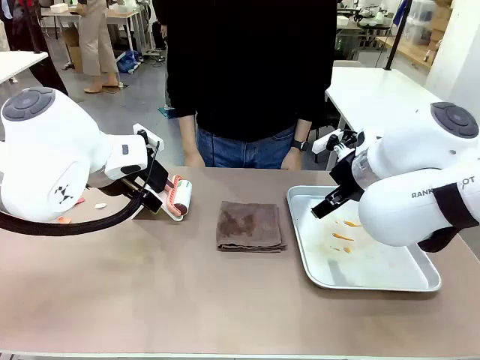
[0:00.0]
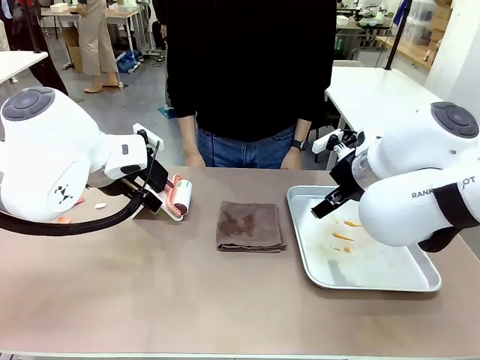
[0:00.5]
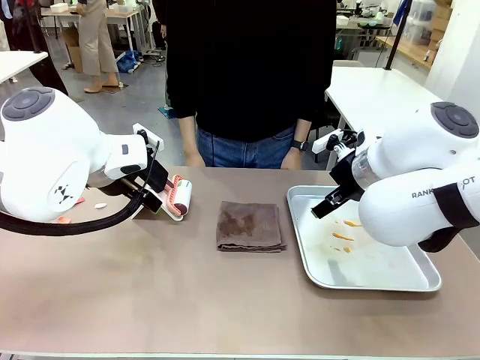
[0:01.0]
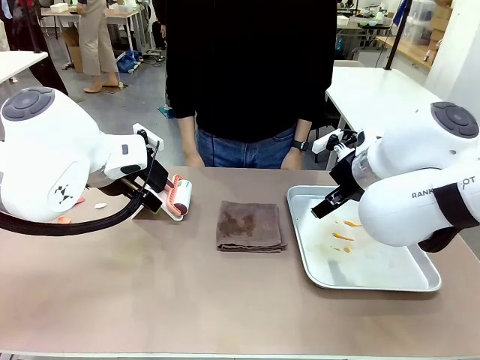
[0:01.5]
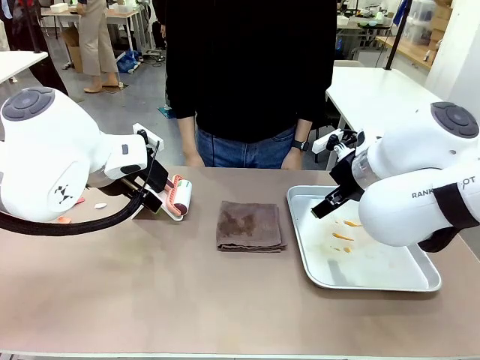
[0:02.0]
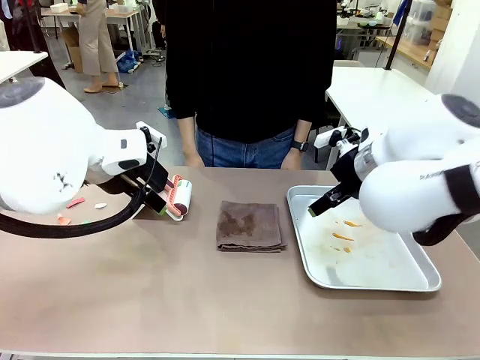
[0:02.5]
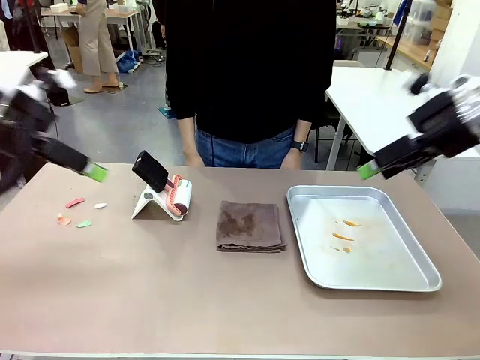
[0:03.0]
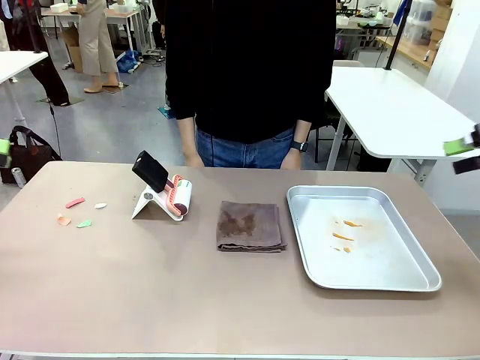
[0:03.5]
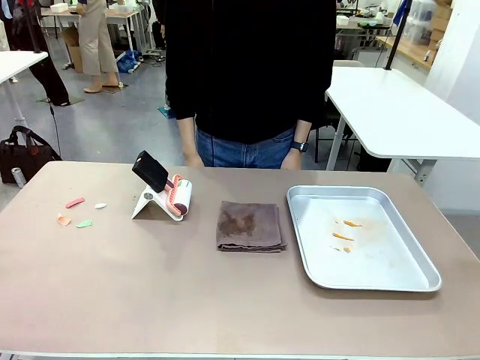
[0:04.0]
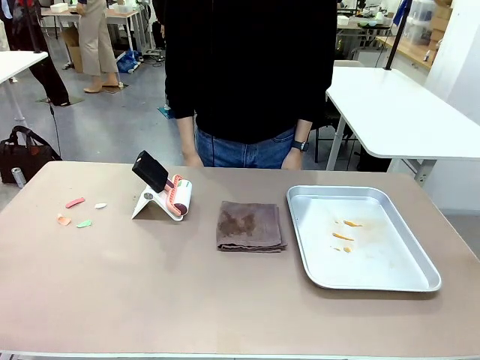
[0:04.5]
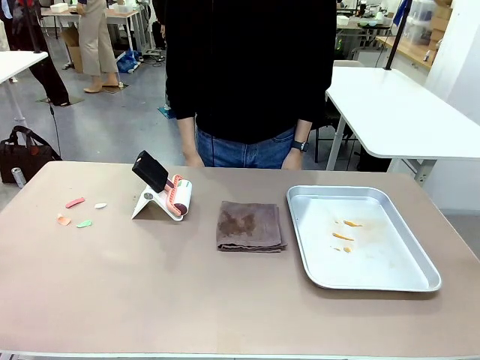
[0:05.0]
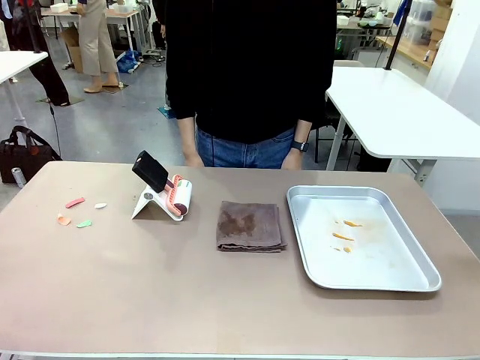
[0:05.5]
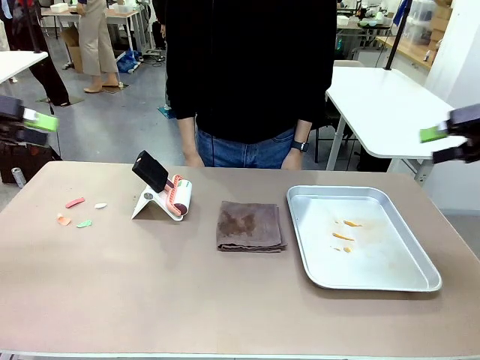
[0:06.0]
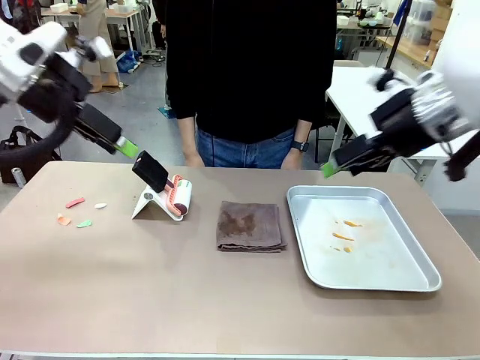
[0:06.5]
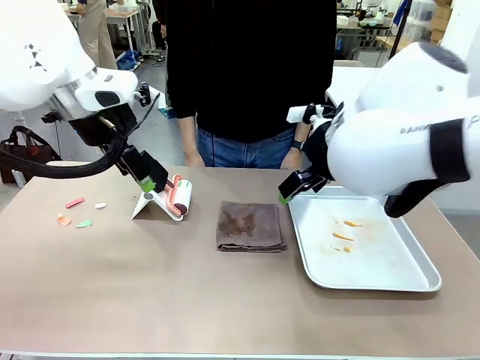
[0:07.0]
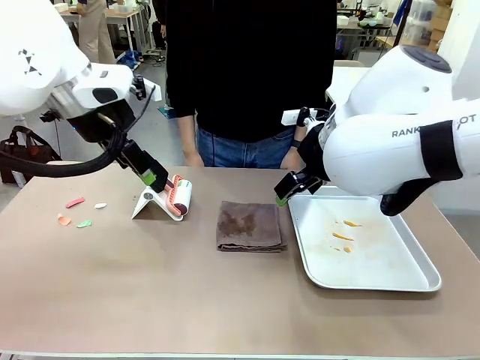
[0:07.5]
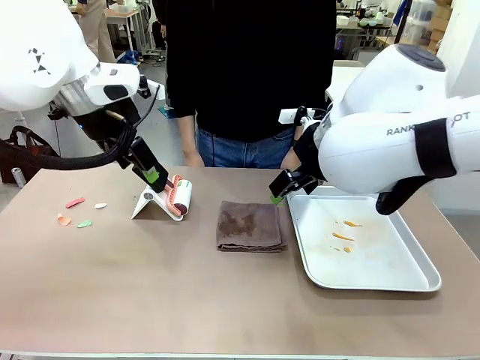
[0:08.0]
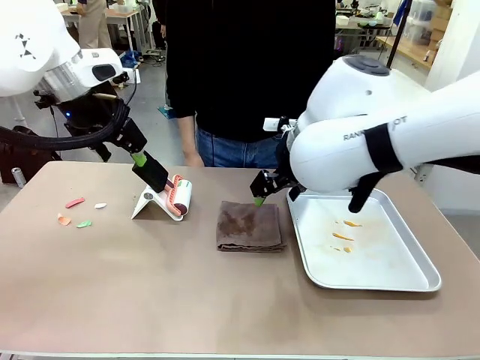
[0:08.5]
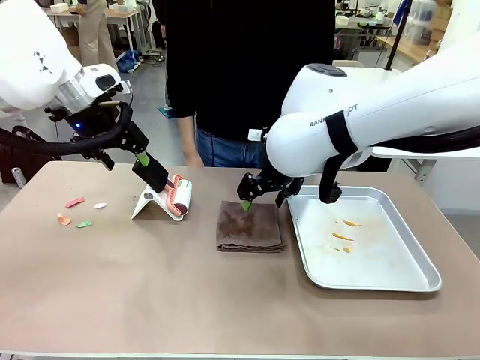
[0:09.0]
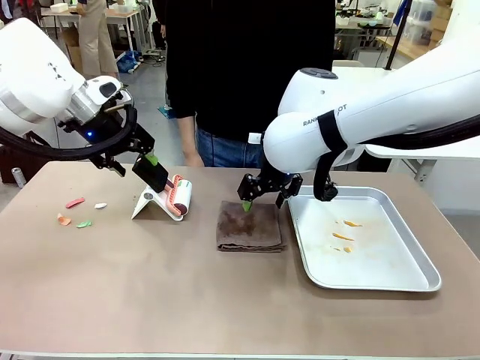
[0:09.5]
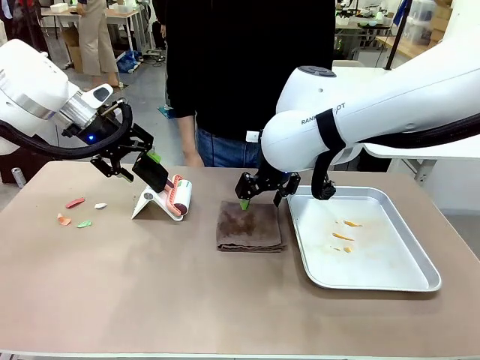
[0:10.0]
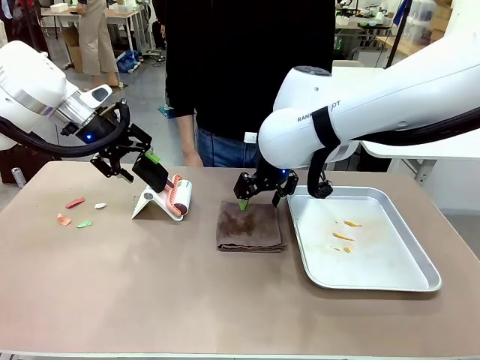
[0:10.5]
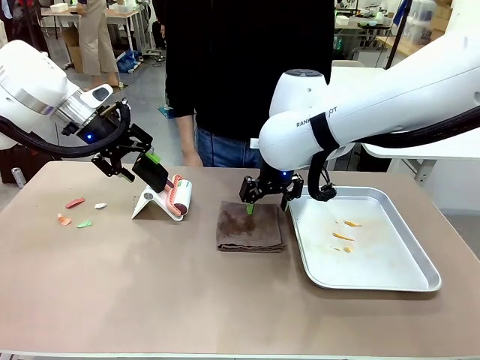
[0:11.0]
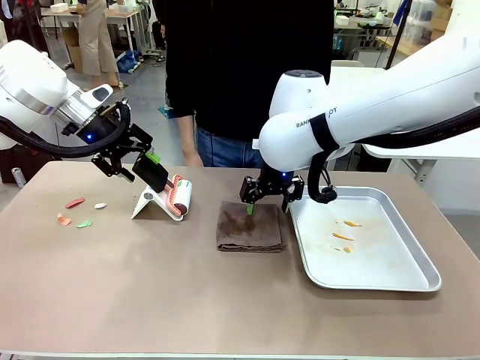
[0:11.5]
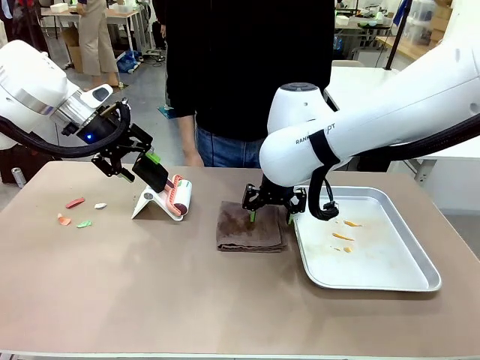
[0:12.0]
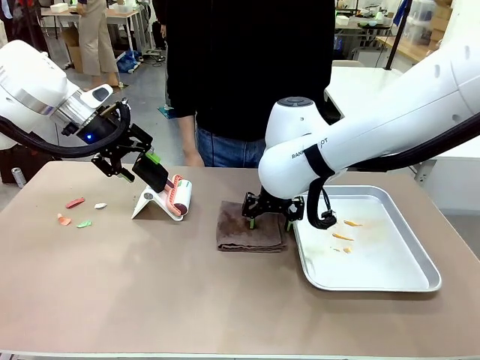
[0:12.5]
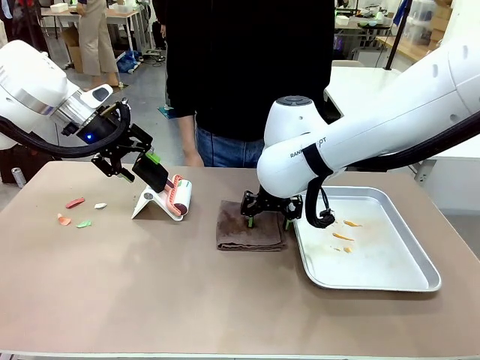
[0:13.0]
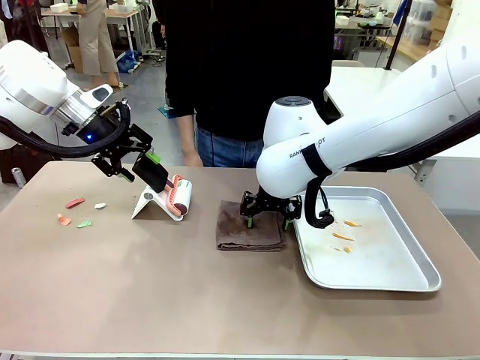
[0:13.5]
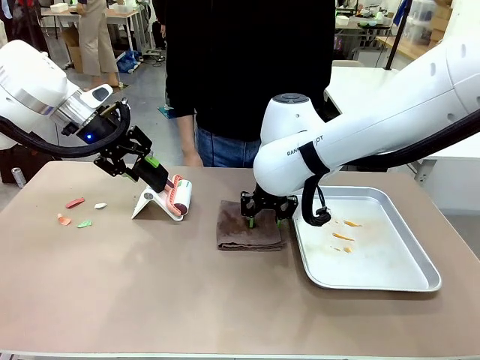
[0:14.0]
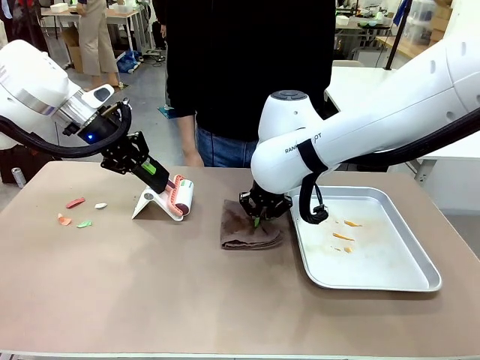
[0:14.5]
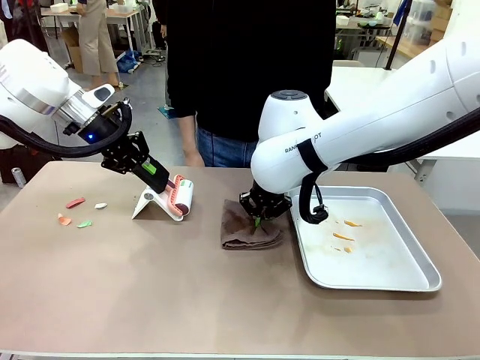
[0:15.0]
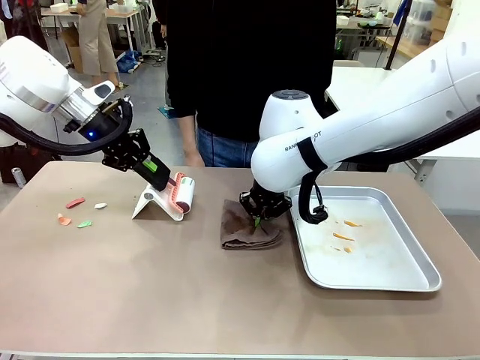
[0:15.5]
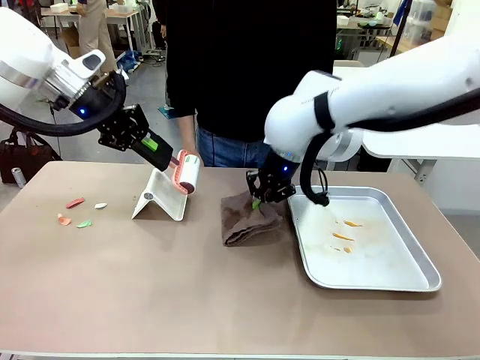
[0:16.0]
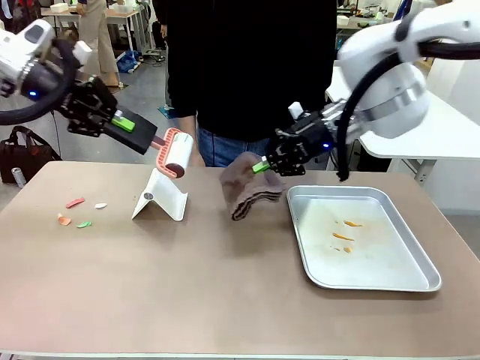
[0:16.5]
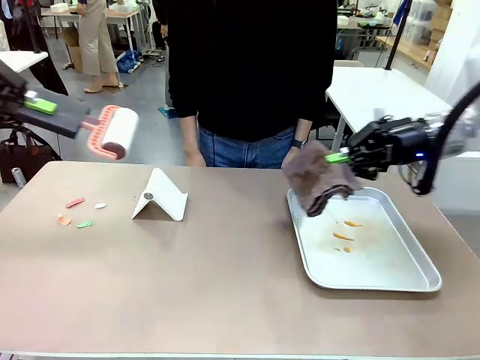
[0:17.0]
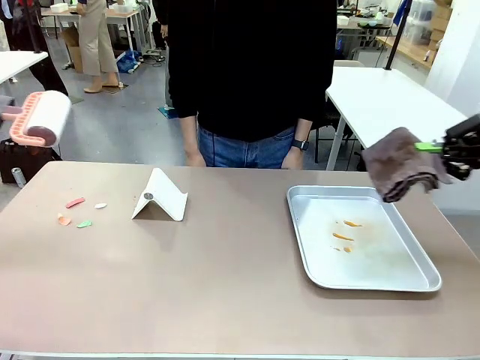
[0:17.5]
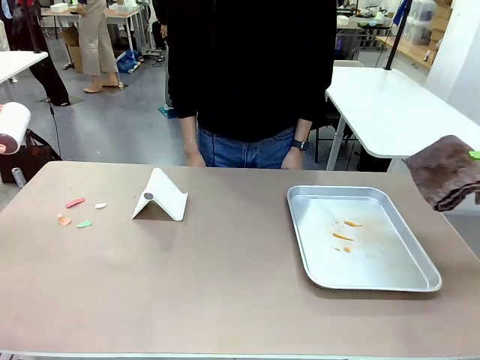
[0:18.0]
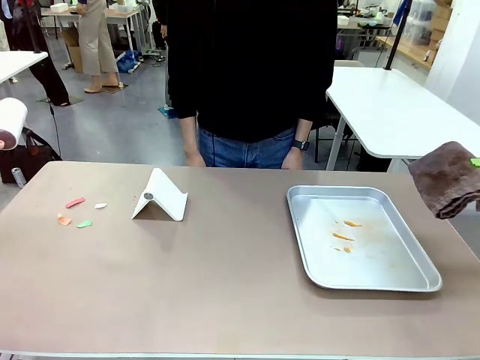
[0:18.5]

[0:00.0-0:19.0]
Task: Clean the surface of the table.
Robot: Hold the Lint Roller with your left hand and the towel with your right hand.
